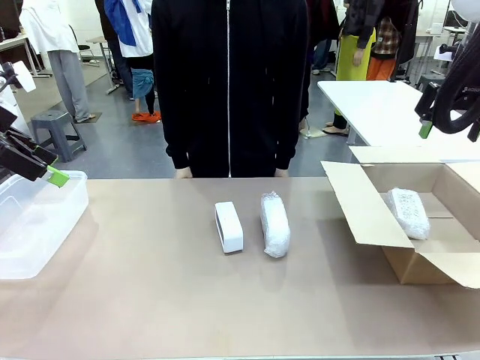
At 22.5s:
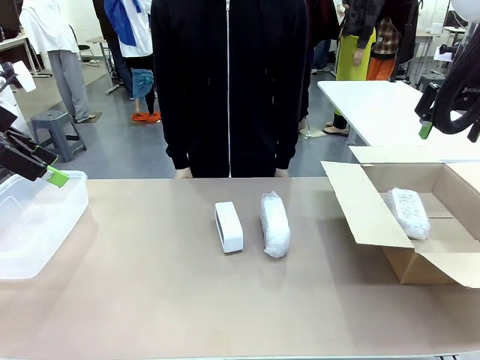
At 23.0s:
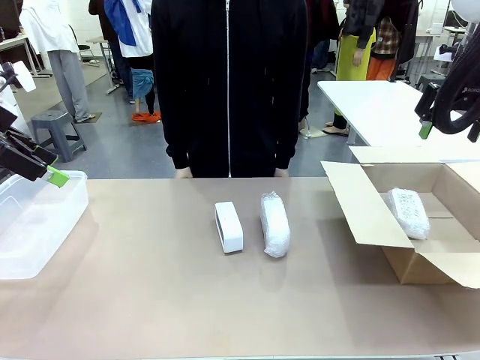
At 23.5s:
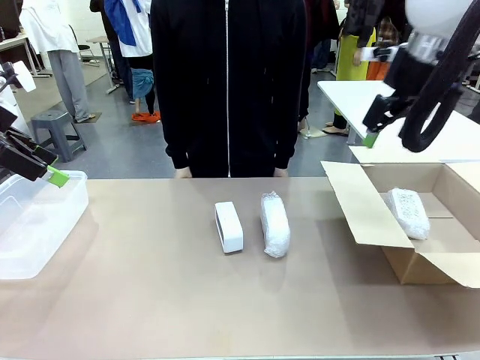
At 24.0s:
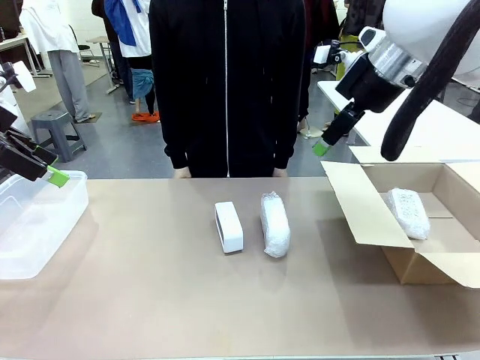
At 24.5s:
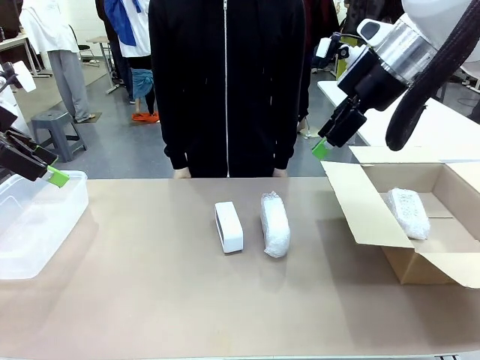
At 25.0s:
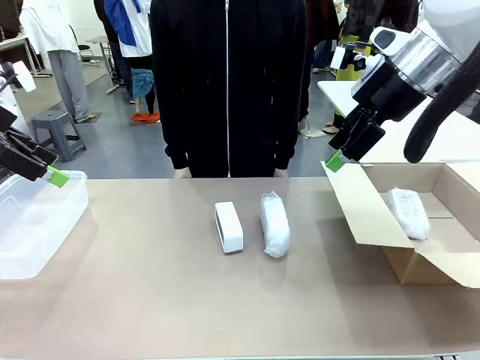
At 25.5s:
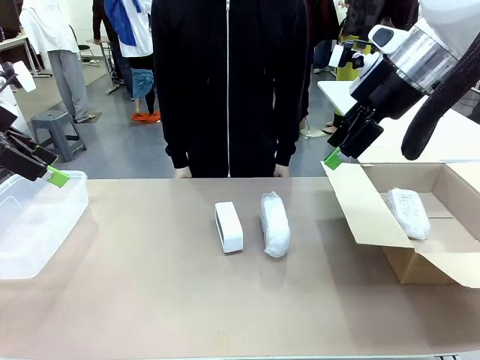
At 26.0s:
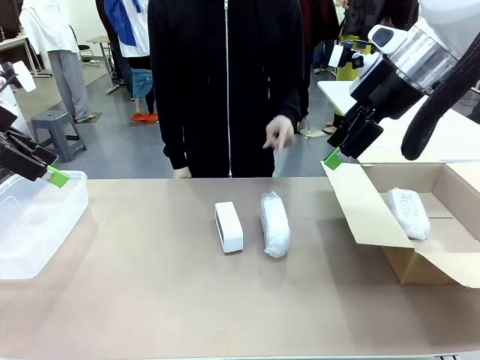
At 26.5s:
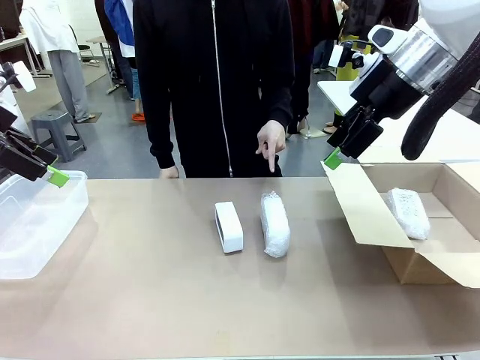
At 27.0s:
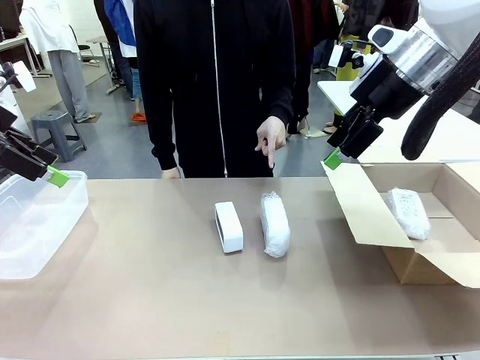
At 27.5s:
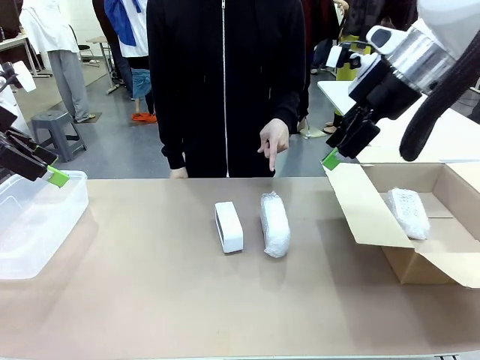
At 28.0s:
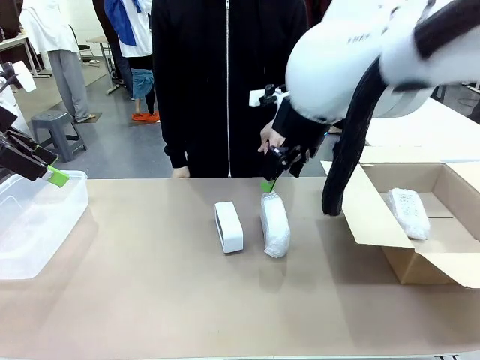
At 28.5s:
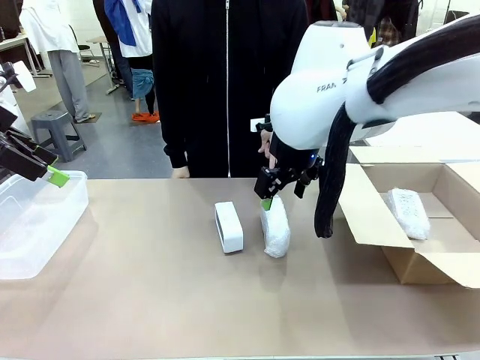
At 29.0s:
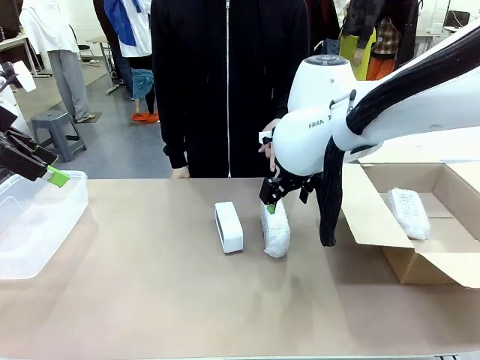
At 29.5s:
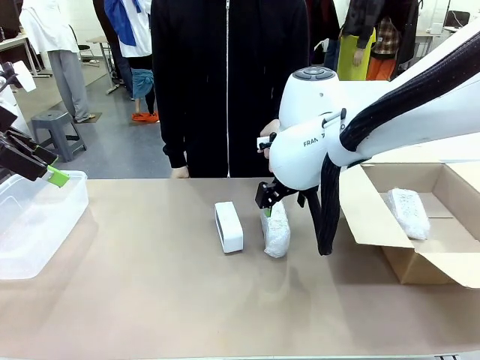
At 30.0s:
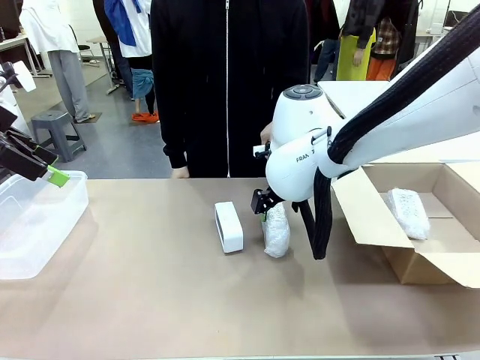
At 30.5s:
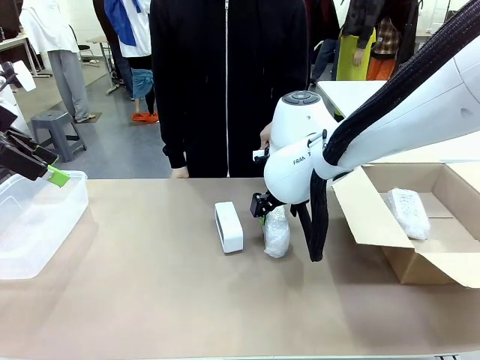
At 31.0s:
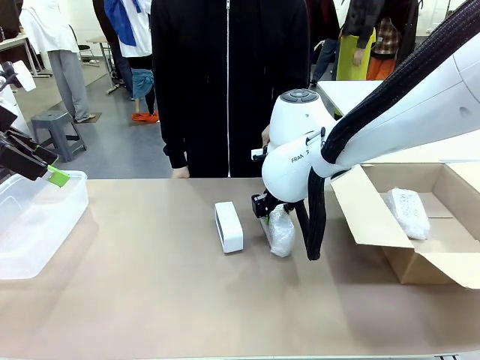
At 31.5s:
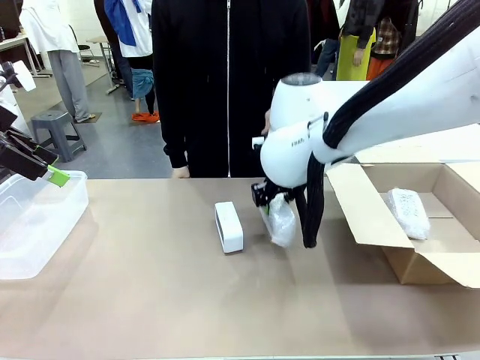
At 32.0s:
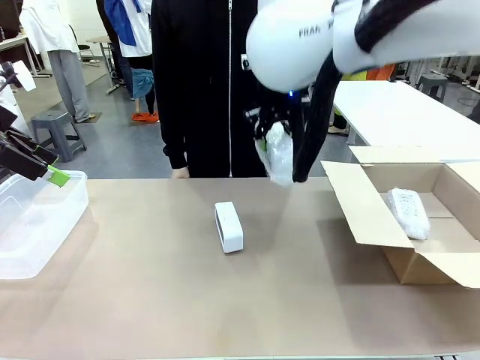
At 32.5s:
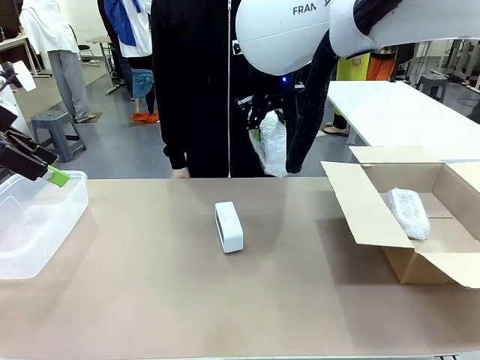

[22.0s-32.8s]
Task: Separate and place wrapped and unwrapped clocks.
Robot: Pick up the Digital clock indicated by the person.

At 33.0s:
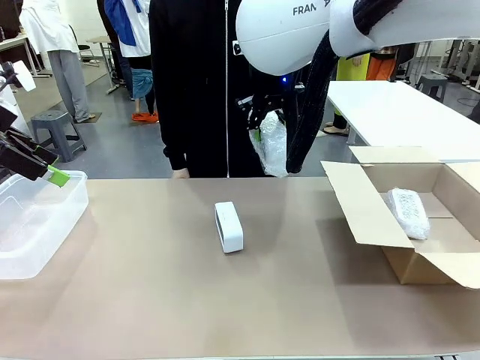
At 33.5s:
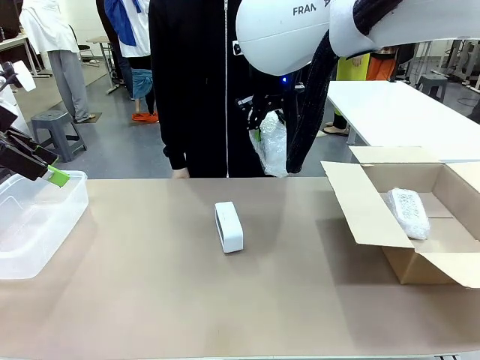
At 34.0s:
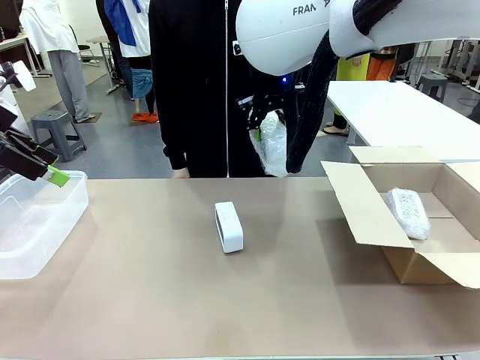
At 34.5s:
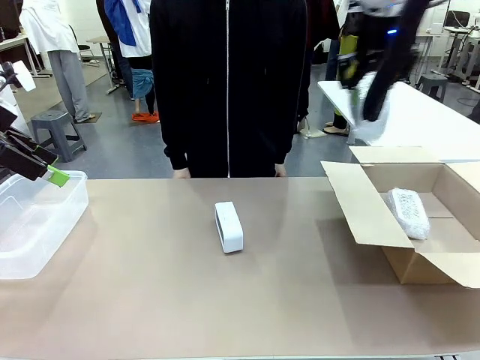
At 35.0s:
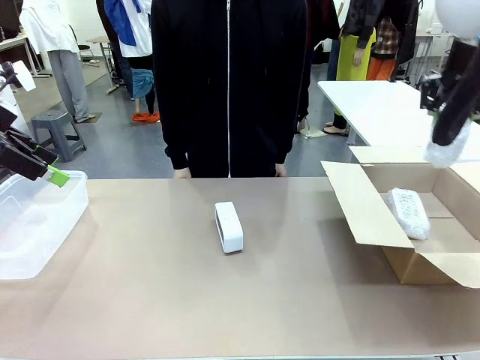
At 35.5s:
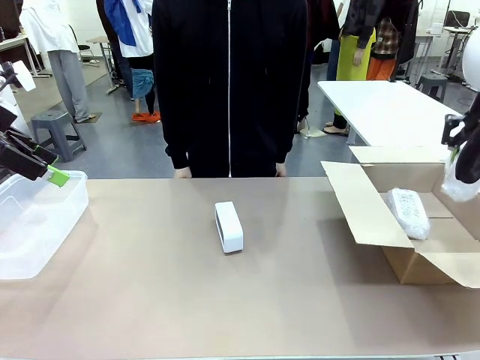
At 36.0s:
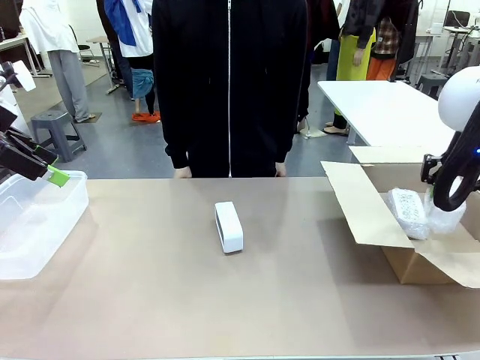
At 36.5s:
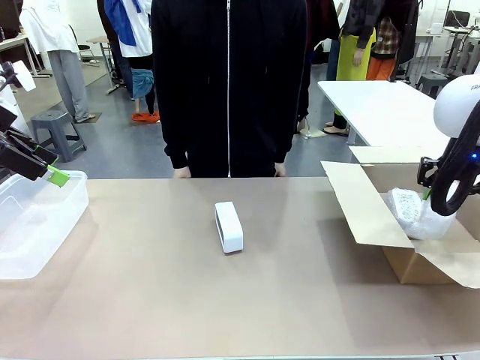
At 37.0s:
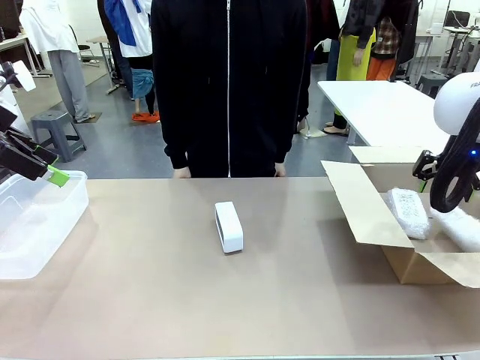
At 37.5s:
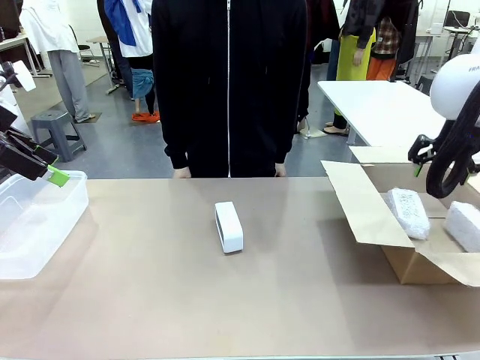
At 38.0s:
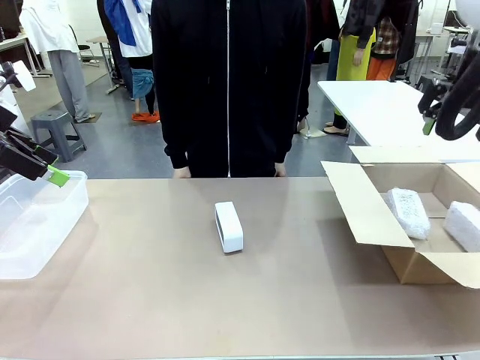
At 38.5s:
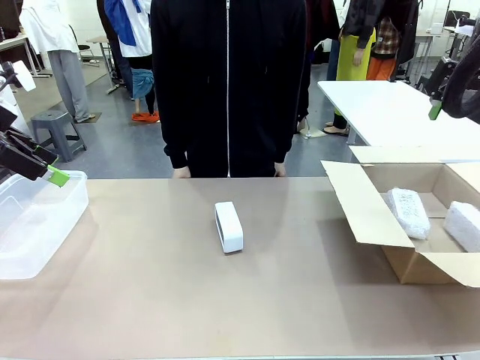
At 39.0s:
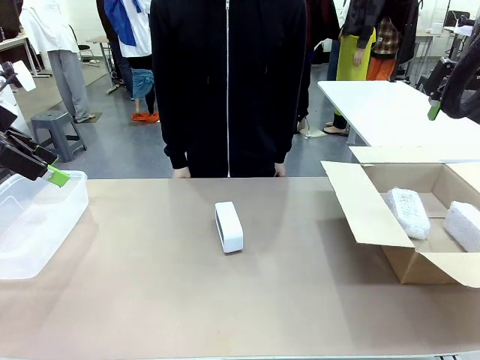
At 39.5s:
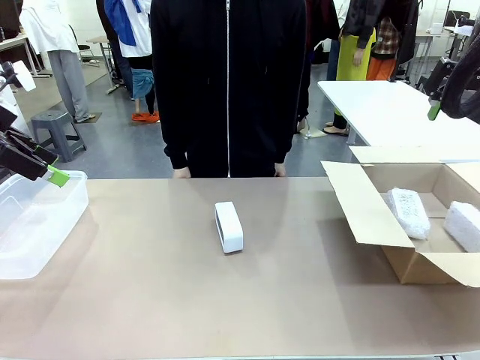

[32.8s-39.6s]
Robot: If the picked Digital clock is wrapped, place it in the Package Box ; if not, place it in the Organizing box.

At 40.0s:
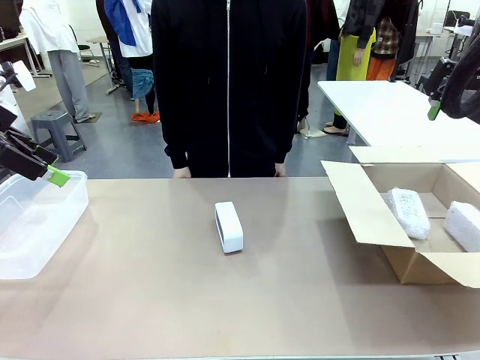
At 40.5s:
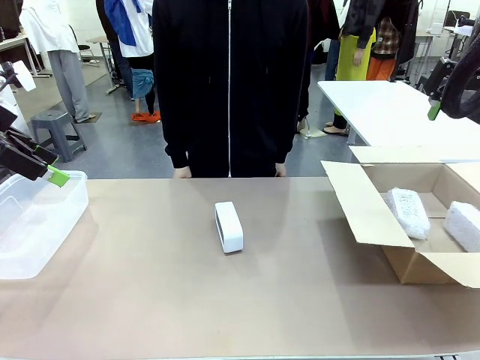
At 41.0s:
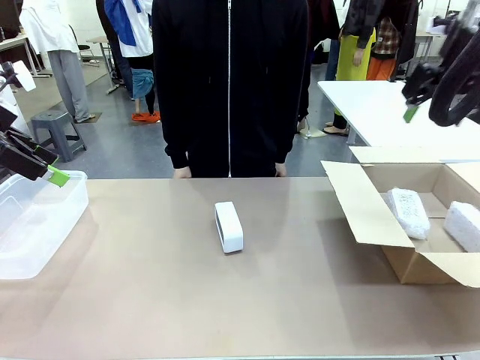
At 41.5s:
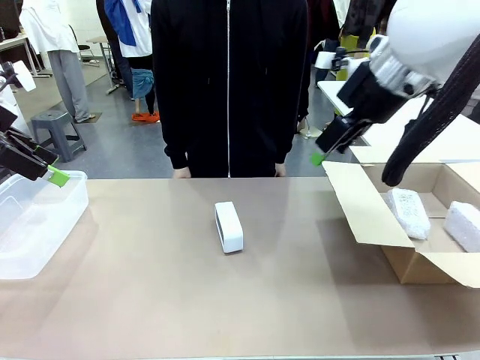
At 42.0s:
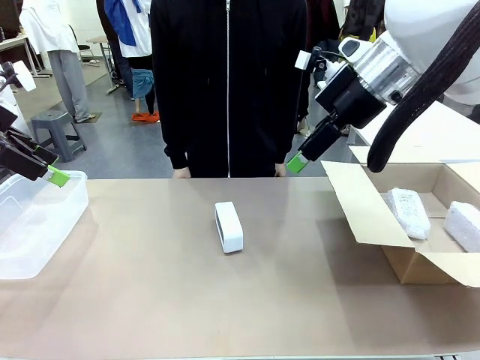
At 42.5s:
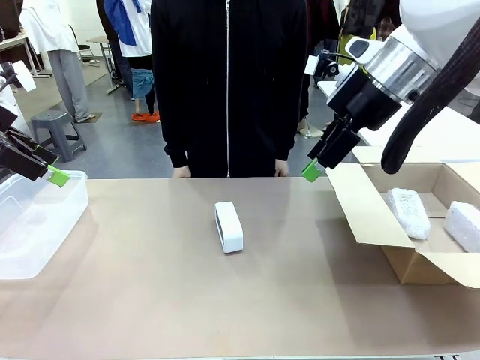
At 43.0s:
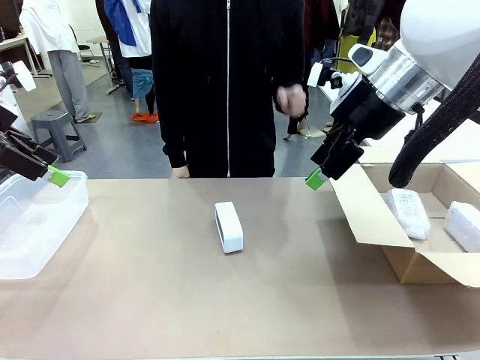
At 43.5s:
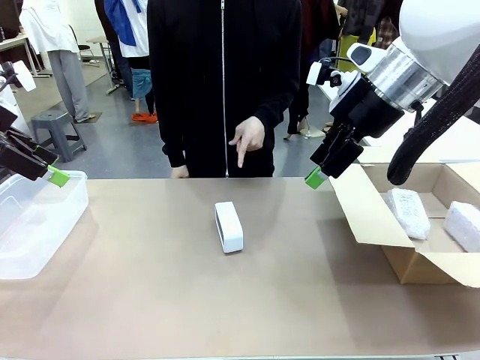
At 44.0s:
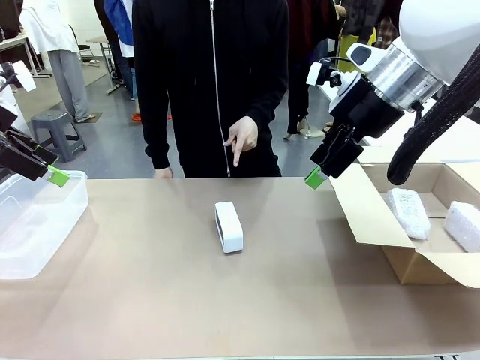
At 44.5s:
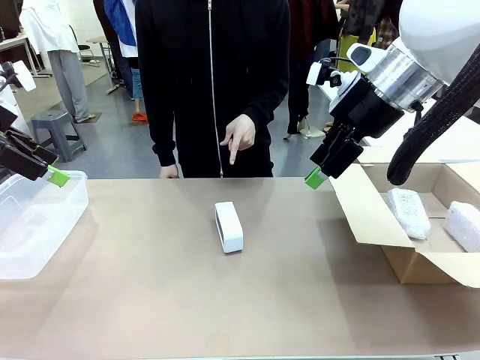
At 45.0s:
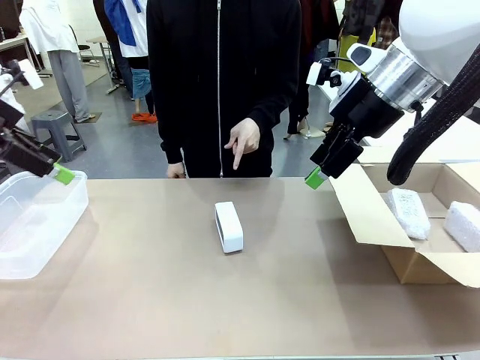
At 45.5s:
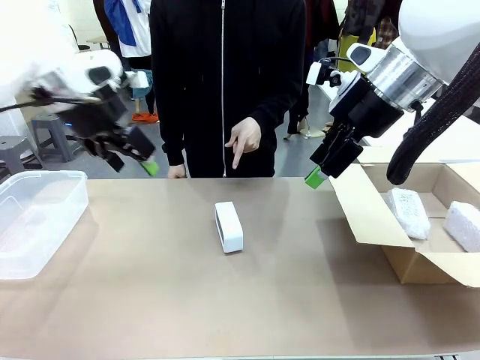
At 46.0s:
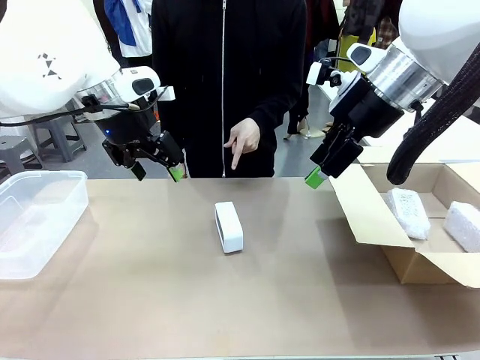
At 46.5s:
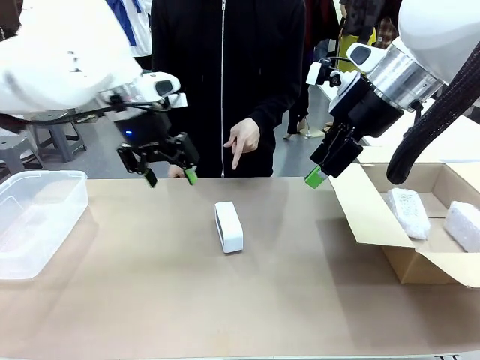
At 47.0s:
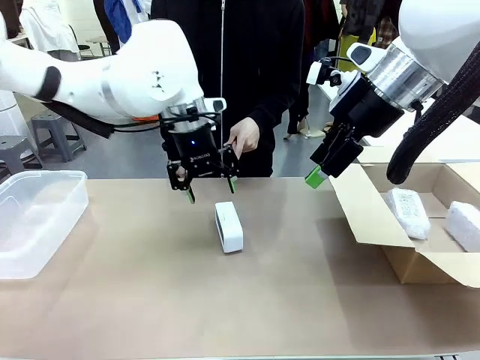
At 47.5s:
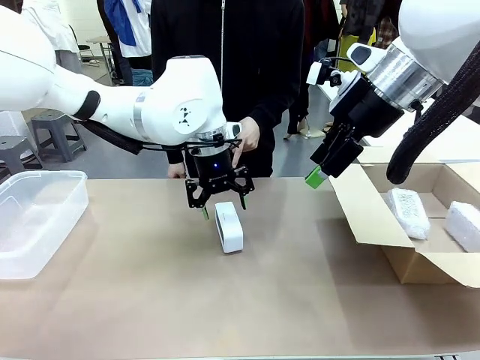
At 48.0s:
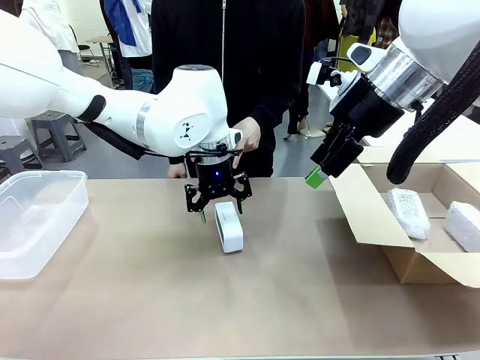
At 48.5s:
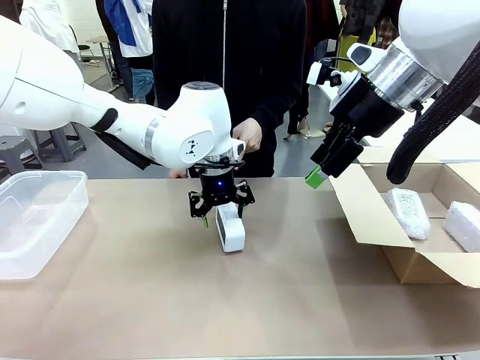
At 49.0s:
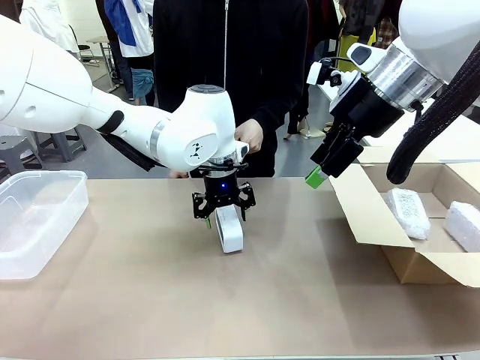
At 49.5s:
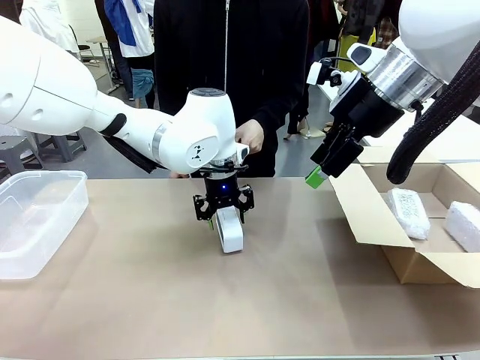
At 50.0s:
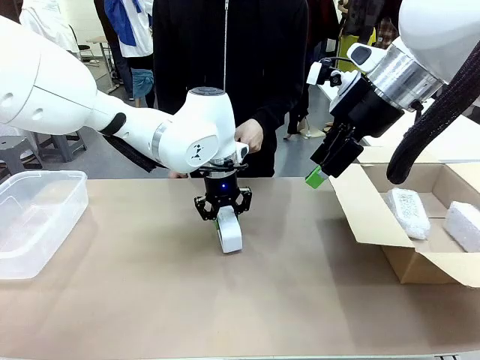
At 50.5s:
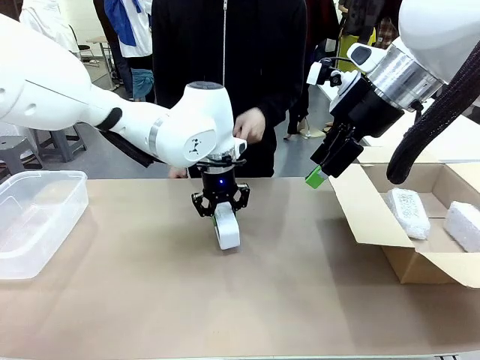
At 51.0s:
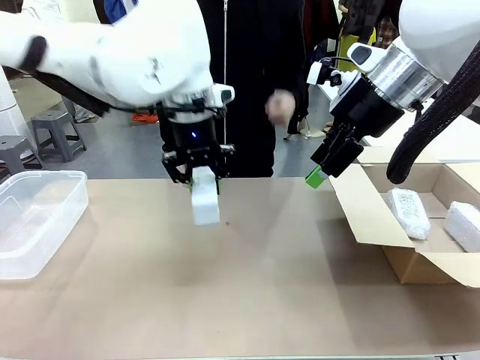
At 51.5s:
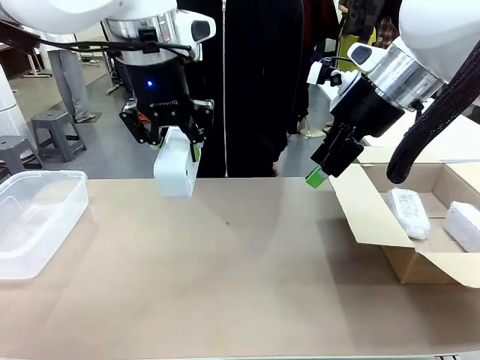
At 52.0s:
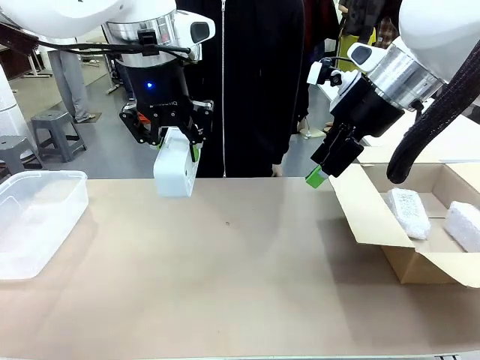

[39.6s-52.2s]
Robot: Pick up the Digital clock indicated by the person.
